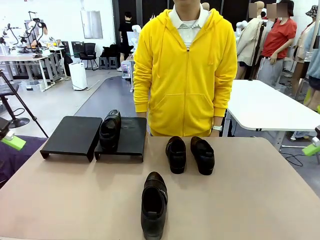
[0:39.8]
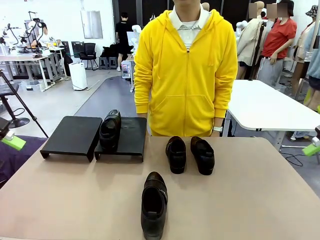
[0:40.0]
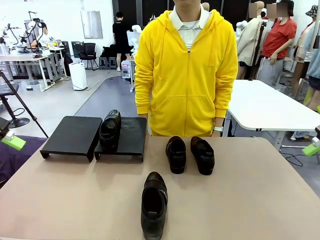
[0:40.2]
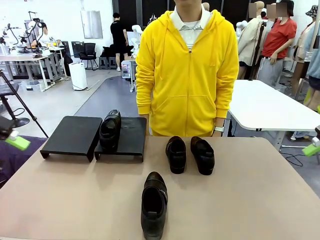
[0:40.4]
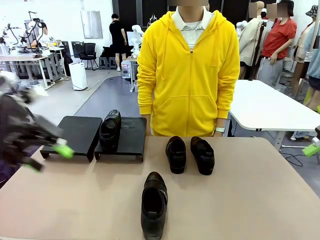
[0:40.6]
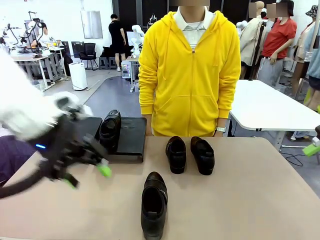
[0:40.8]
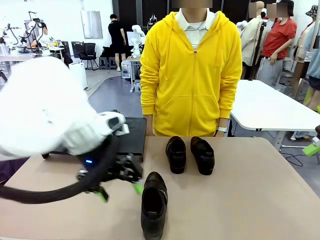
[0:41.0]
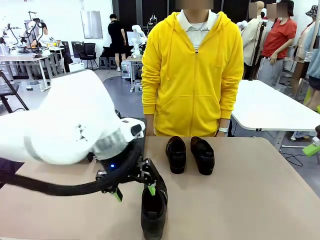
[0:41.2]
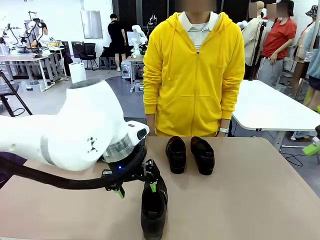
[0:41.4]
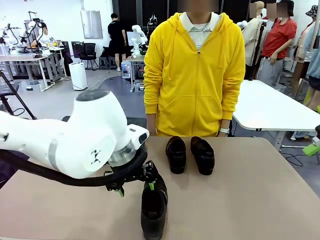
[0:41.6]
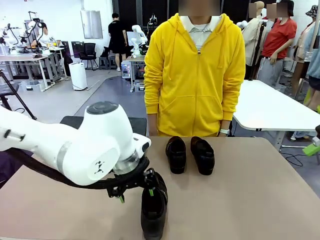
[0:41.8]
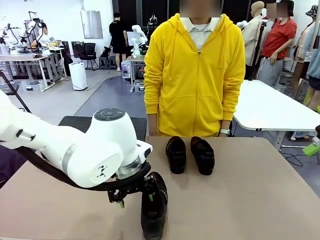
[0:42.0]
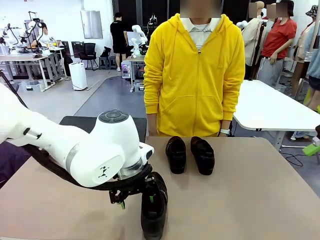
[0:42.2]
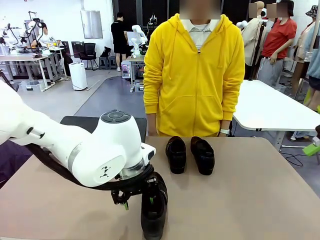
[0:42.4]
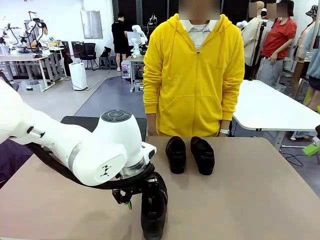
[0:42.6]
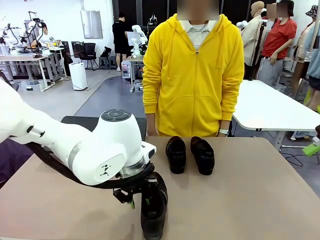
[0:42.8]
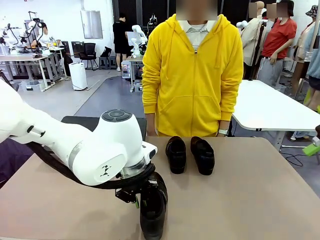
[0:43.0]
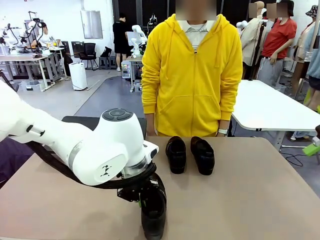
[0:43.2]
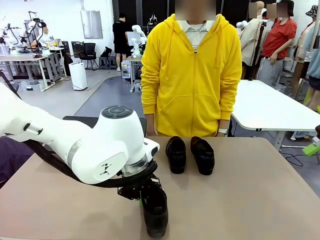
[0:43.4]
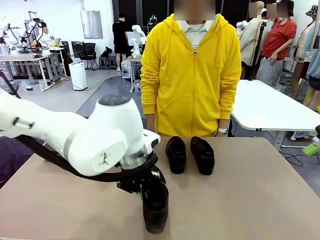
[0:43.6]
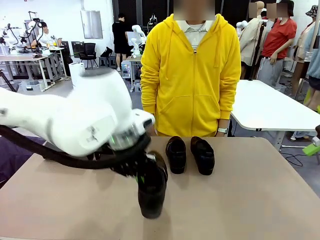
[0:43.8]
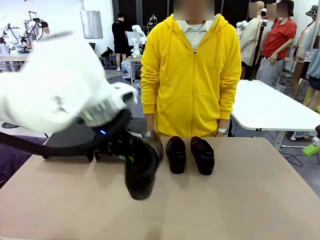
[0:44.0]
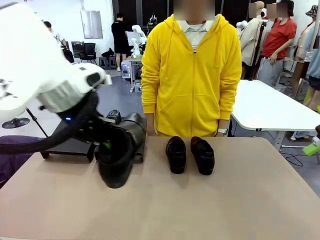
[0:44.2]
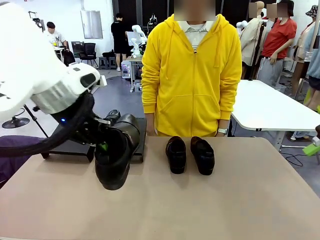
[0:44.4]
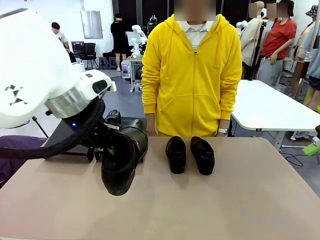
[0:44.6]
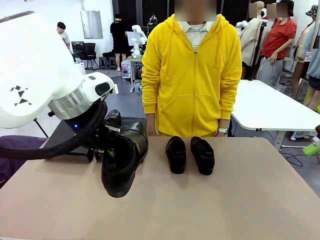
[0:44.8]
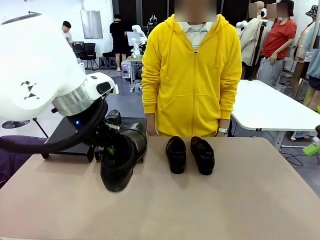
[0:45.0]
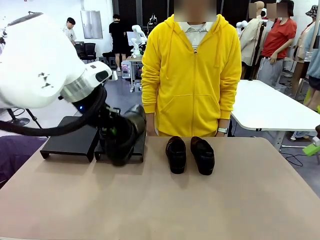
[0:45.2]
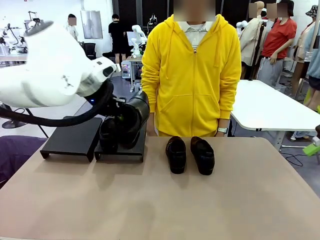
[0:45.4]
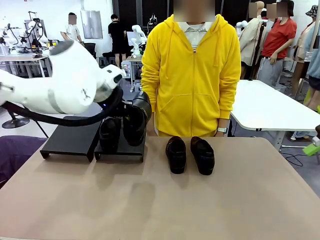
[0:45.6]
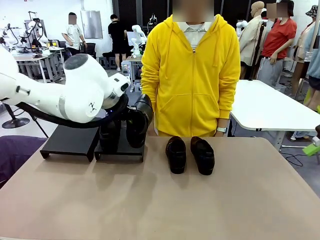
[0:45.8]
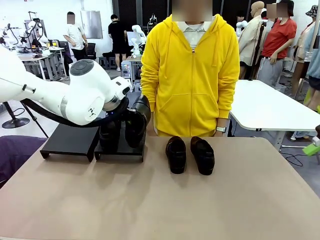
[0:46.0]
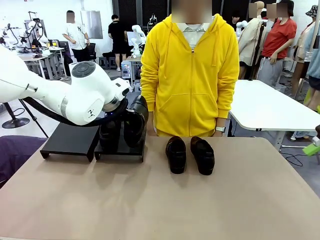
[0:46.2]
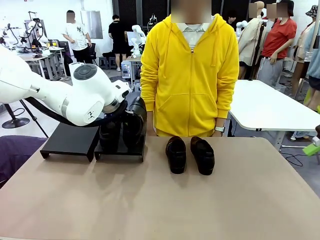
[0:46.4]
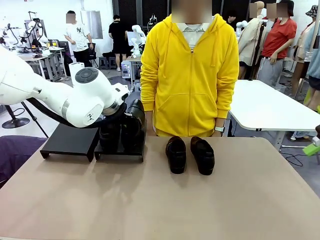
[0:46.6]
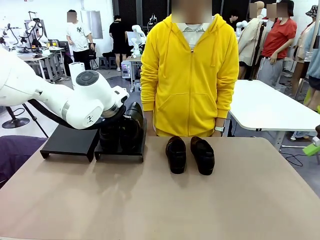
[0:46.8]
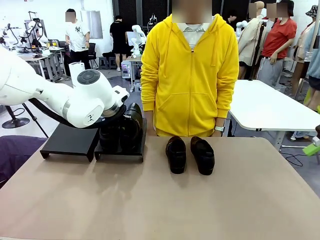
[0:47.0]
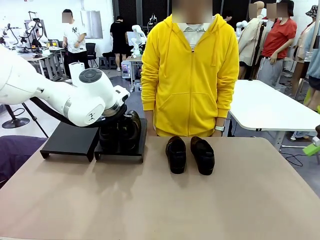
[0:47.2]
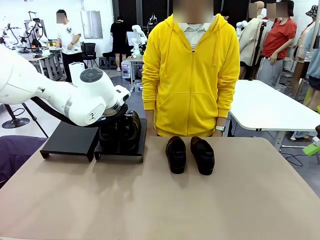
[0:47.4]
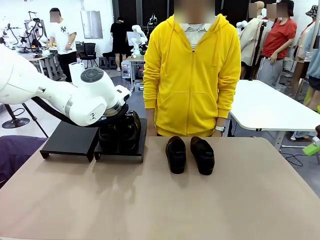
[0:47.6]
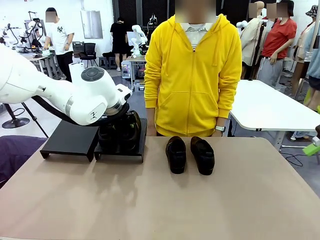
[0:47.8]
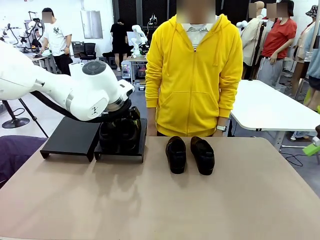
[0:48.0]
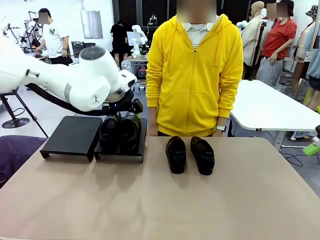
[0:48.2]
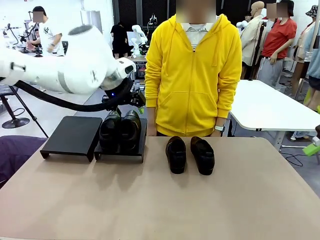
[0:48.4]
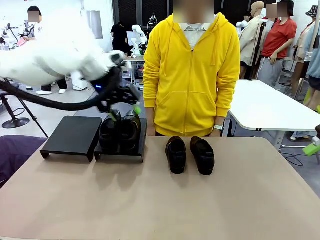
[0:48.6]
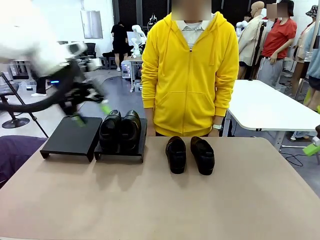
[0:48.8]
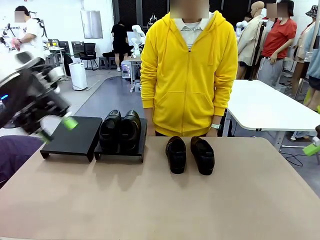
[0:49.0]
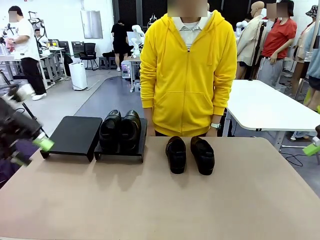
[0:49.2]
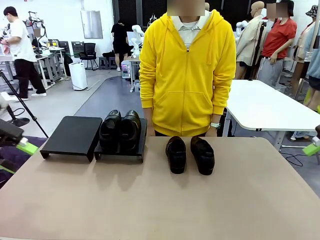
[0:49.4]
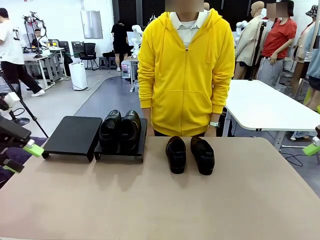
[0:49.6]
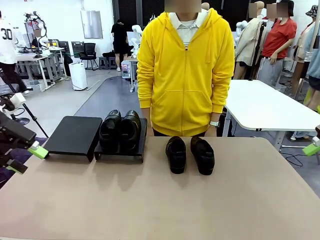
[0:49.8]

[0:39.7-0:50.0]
Task: Organize the shoes by placing them on the stand.
Robot: Place the Shoe from the middle of the table onto the Shoes Stand.

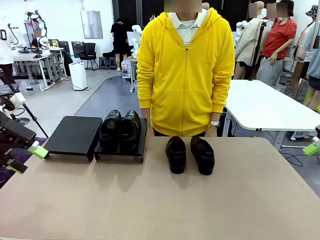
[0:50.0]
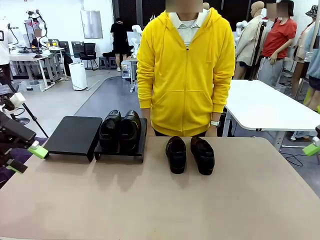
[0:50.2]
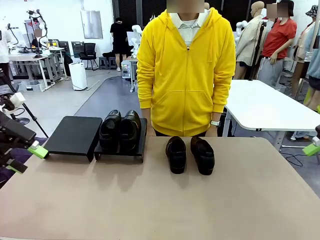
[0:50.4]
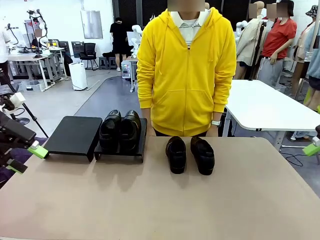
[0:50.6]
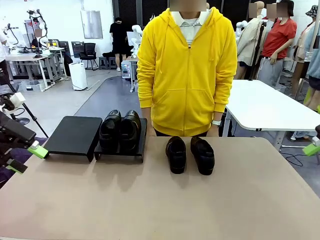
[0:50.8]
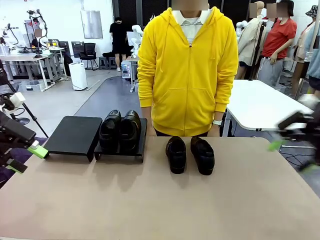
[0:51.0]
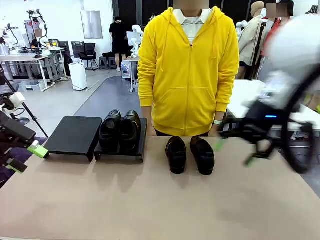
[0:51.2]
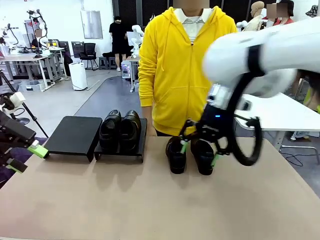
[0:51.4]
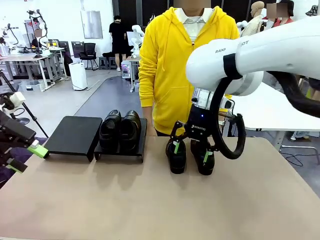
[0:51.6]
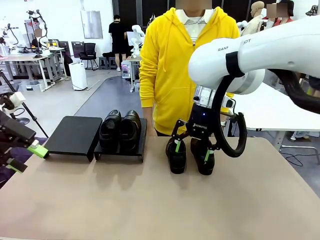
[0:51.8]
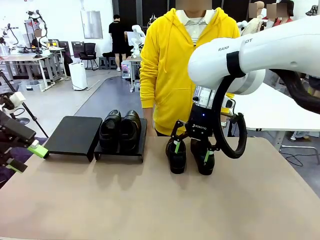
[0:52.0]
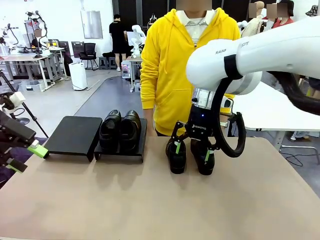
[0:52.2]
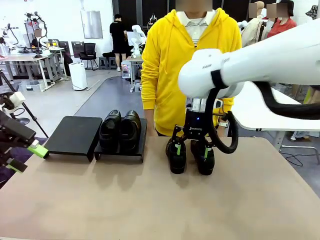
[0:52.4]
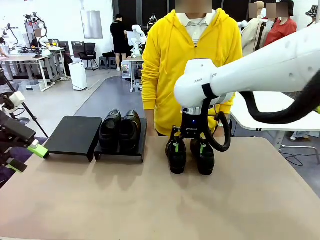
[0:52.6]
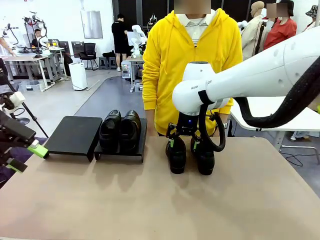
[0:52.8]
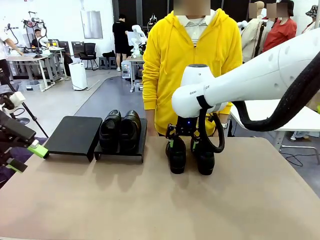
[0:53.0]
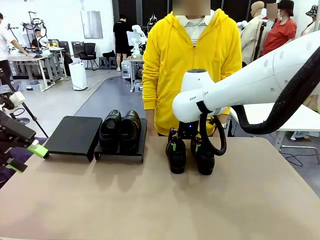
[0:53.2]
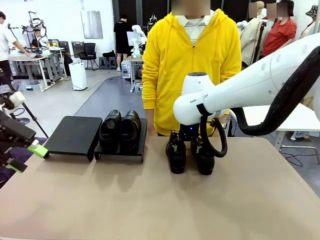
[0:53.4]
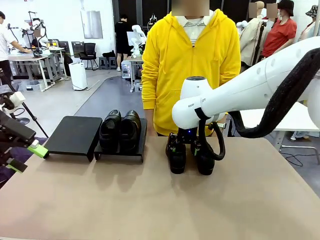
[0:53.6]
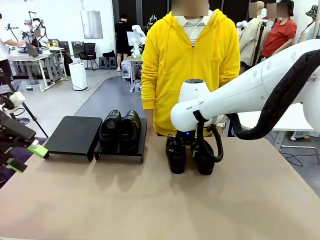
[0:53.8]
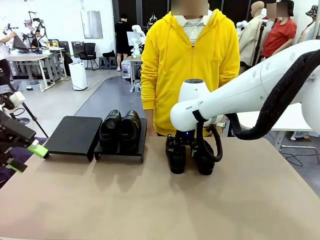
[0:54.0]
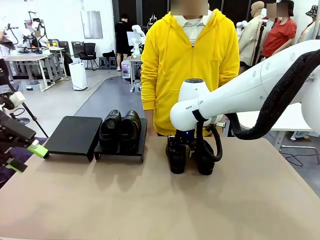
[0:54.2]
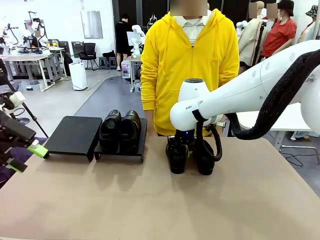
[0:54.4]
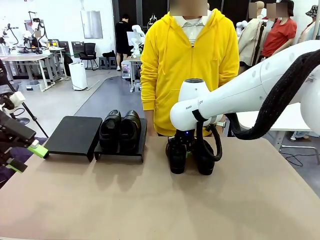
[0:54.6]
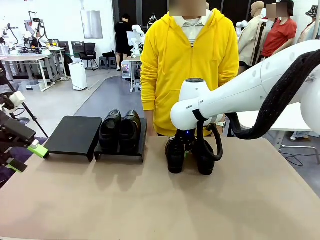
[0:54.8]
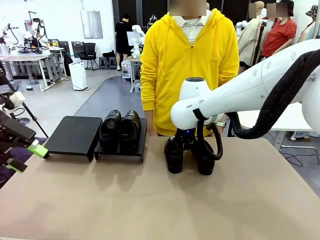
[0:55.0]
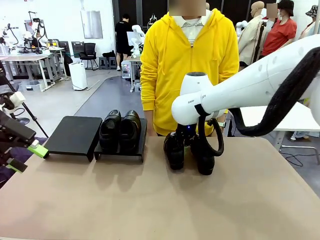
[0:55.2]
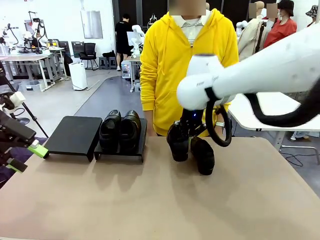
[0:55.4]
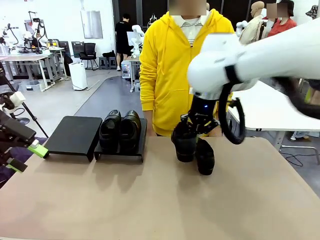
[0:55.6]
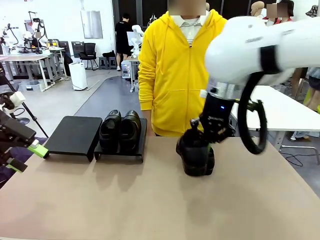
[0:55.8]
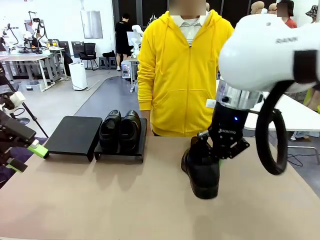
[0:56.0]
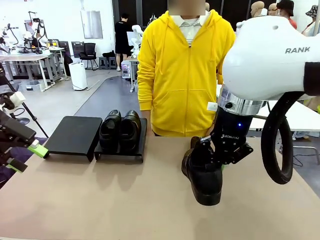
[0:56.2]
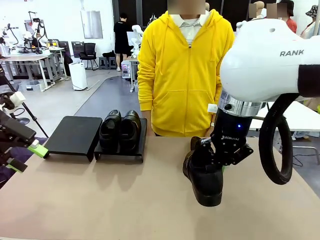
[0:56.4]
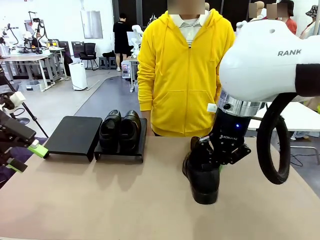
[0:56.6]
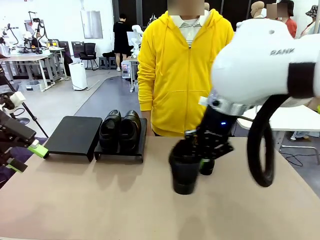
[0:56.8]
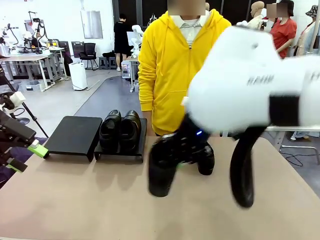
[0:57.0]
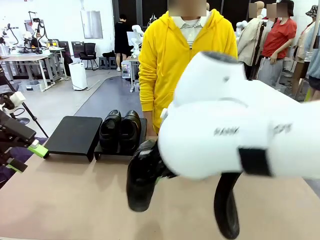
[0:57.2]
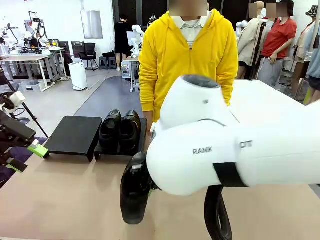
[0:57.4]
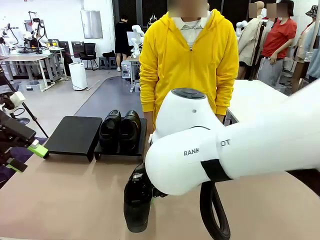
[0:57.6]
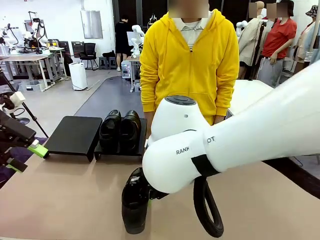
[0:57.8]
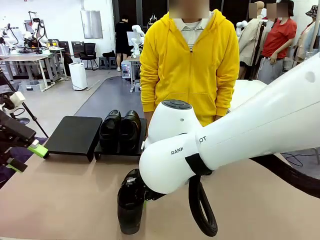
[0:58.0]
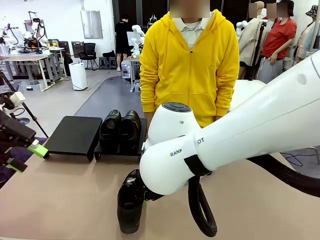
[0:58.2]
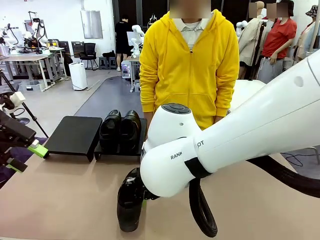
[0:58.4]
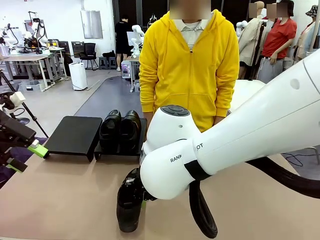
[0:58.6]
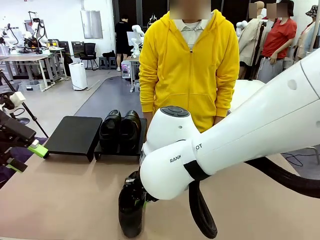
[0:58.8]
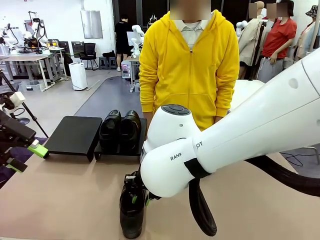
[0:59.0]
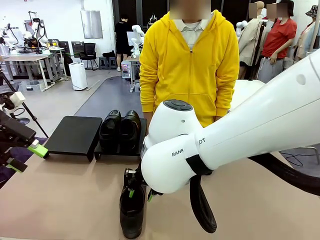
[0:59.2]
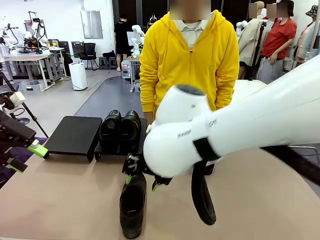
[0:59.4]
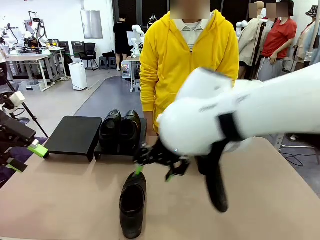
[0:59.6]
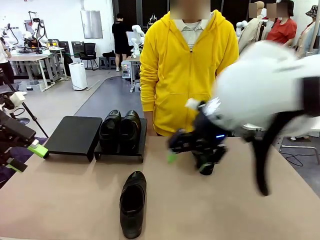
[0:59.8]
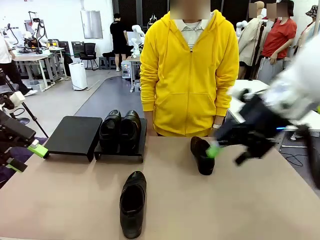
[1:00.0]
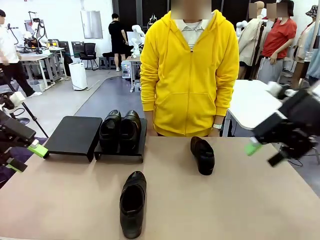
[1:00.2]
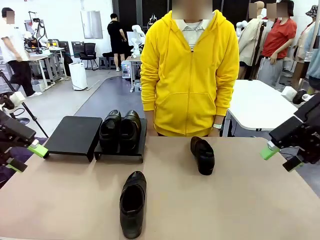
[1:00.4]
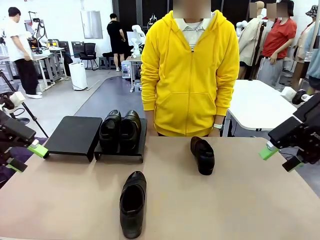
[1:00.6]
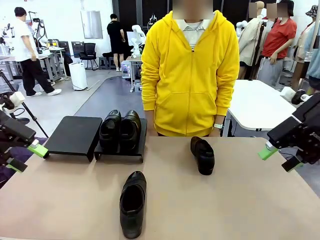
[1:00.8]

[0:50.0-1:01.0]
Robot: Pick up one Shoe and place it in the middle of the table.
